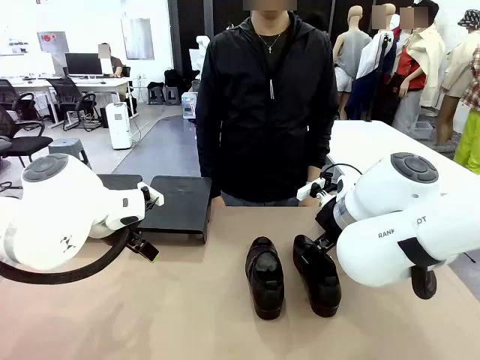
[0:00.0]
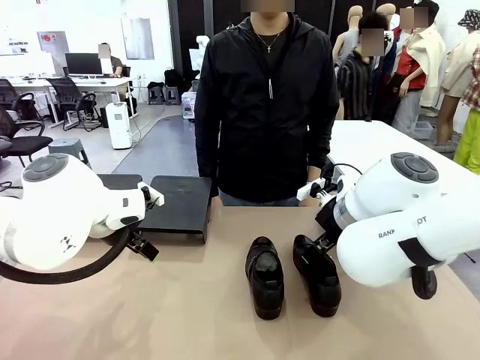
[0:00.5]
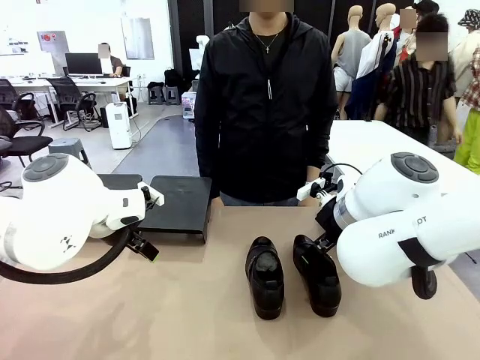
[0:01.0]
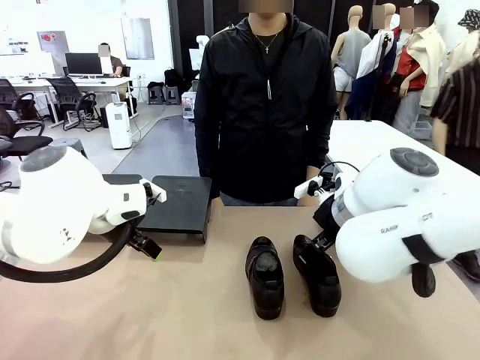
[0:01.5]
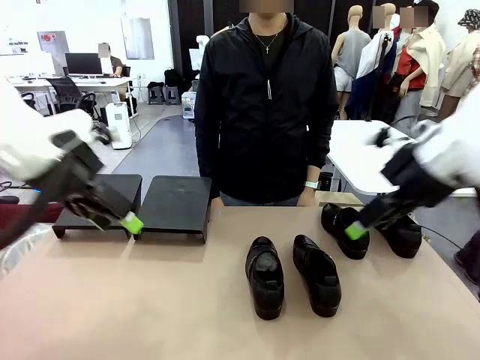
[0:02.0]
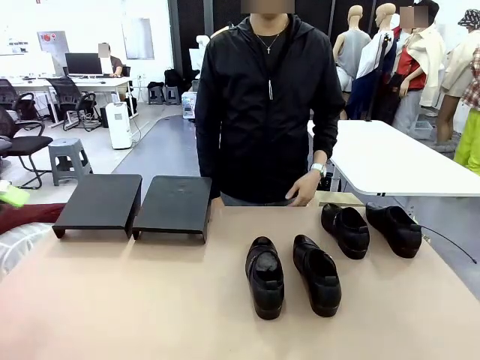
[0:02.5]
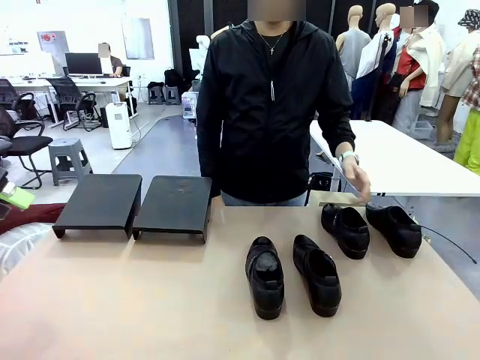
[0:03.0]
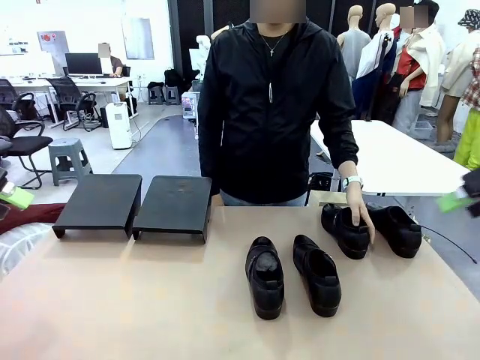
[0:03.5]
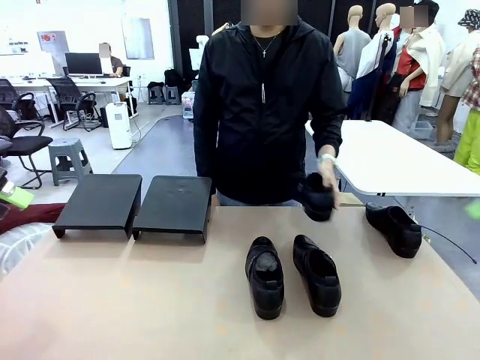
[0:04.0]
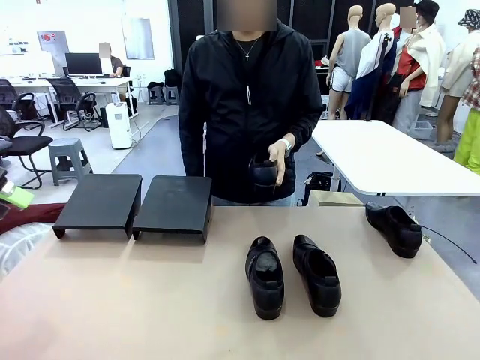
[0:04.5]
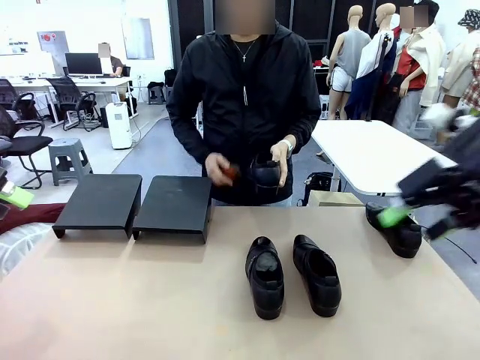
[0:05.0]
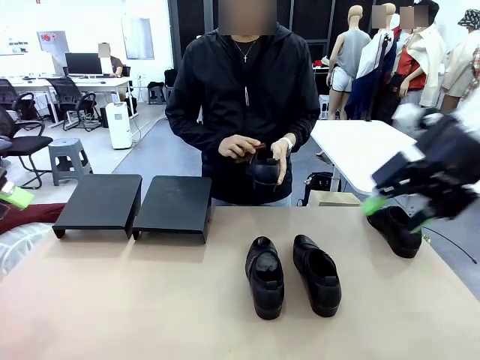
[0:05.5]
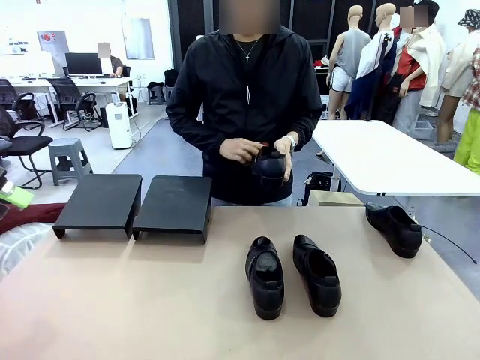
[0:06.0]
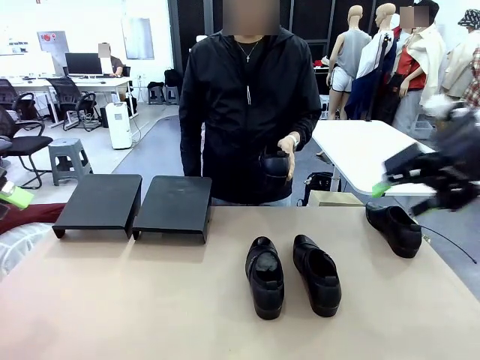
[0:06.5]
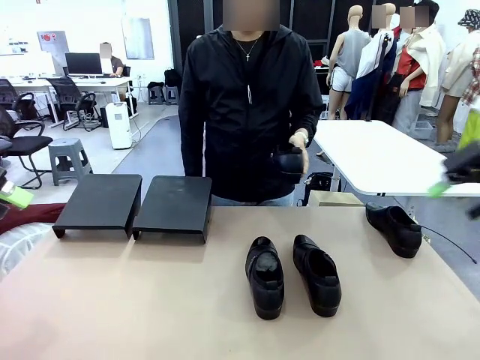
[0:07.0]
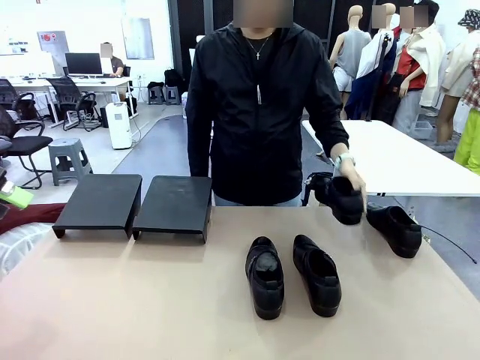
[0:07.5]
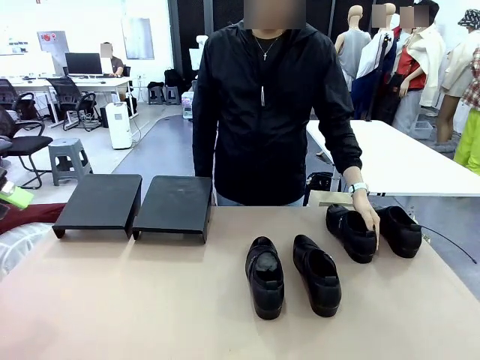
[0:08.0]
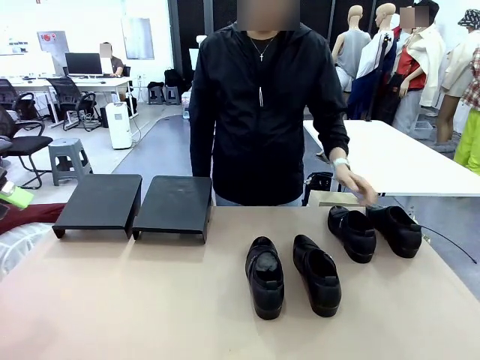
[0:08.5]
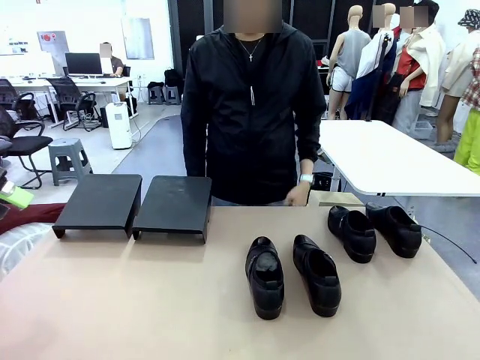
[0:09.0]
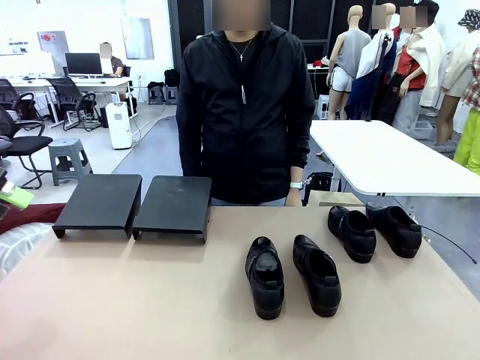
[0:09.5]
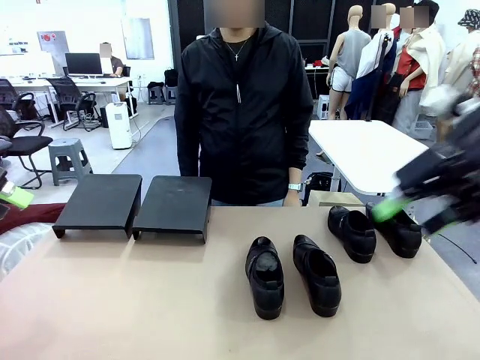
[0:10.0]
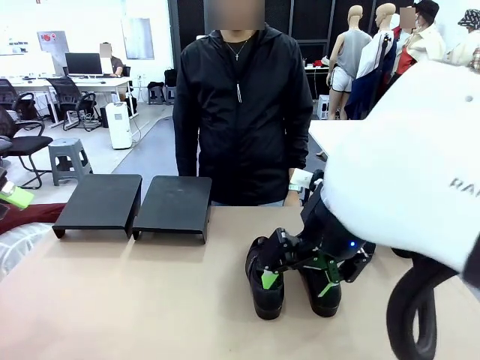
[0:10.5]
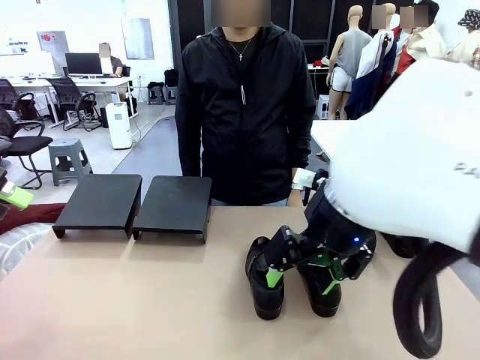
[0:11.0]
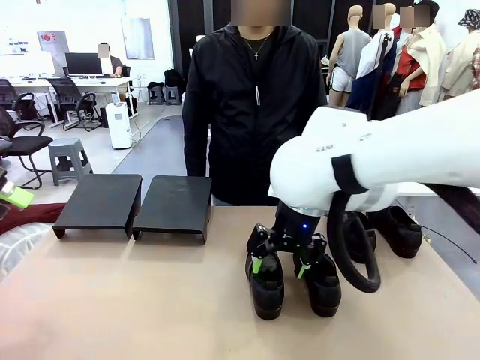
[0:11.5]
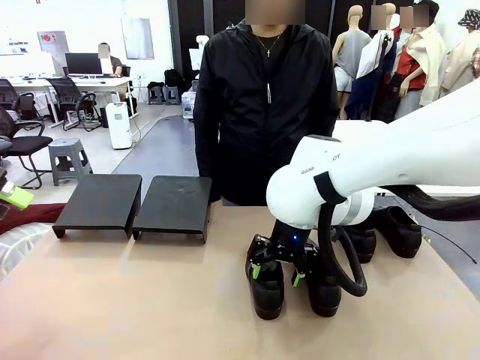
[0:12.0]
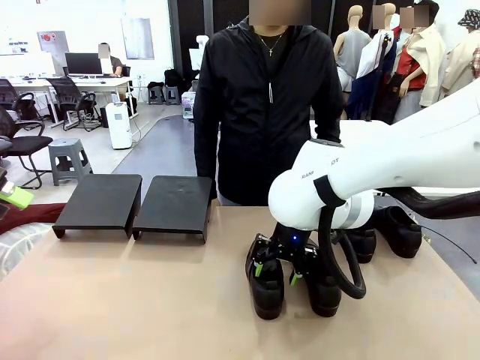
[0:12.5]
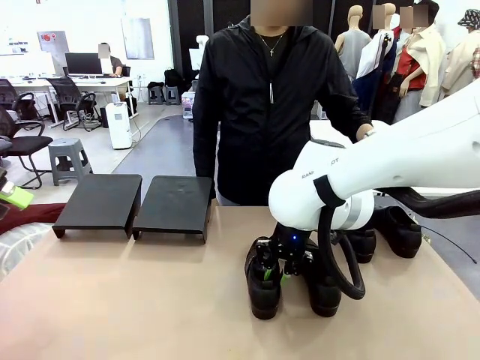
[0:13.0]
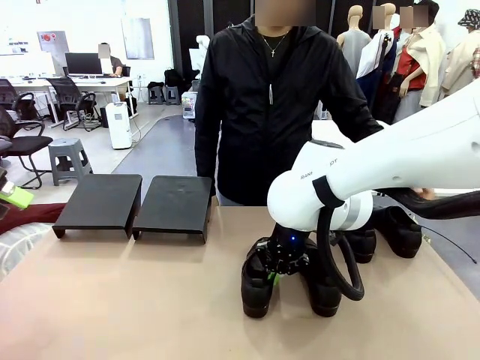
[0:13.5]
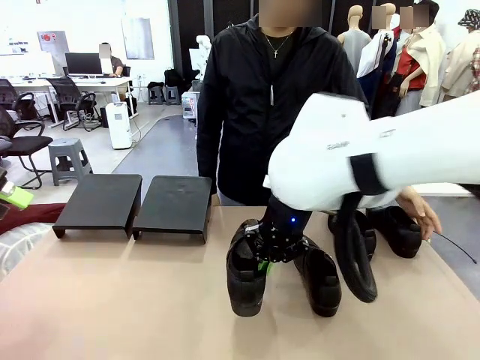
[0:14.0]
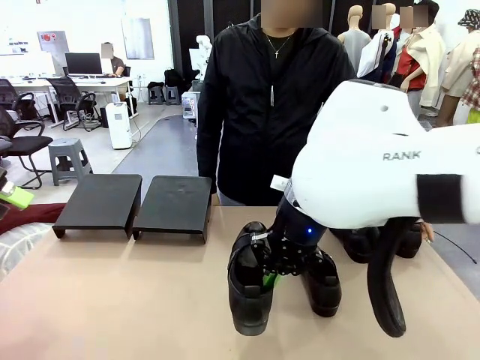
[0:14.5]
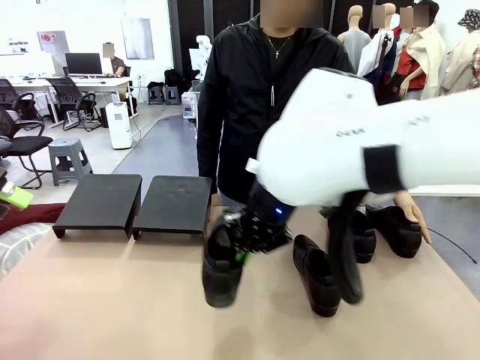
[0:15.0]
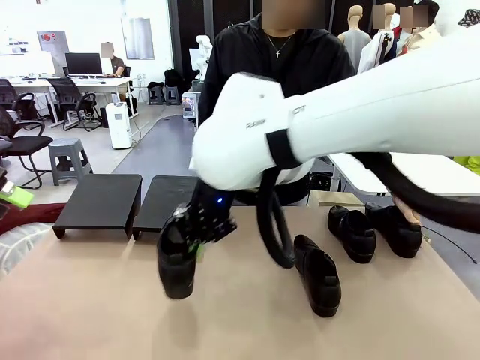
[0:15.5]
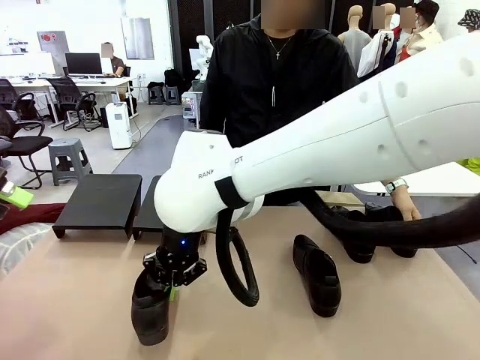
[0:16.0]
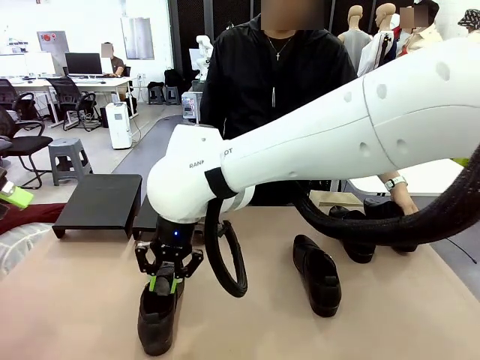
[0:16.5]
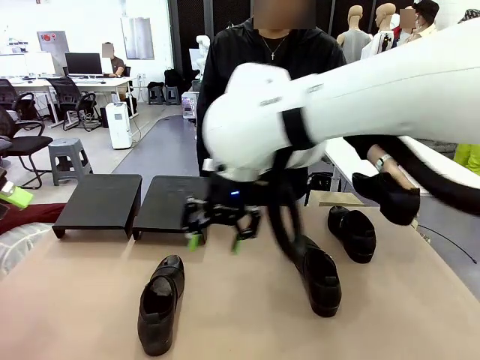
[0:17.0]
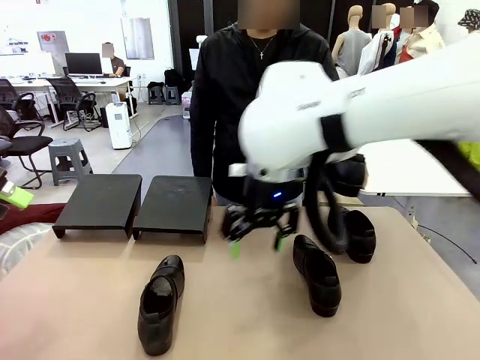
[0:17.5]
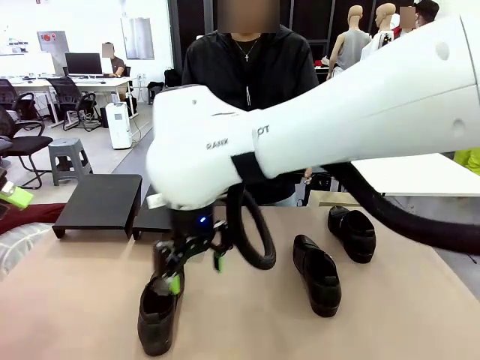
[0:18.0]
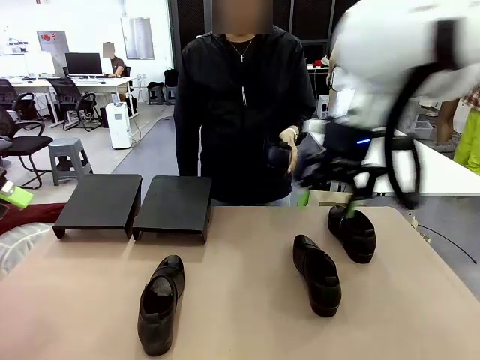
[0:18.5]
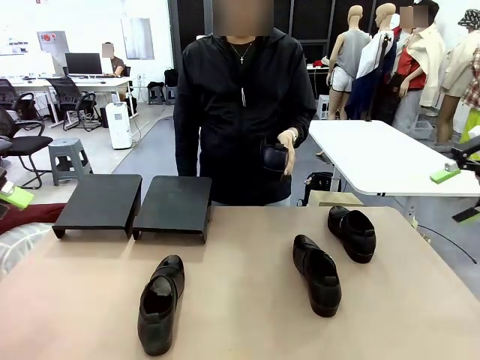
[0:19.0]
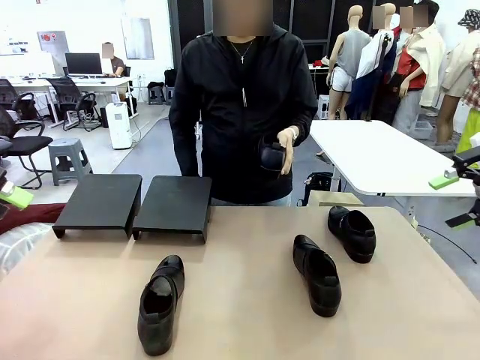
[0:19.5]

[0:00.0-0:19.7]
Task: Organize the shoes by placing them on the stand.
Robot: Pick up one Shoe and place it in the middle of the table.
Person: Pick one Shoe on Robot's table. Clean the Shoe with the Shoe Brush. Place the Shoe on left side of the Robot's table. Pick one Shoe on Robot's table.

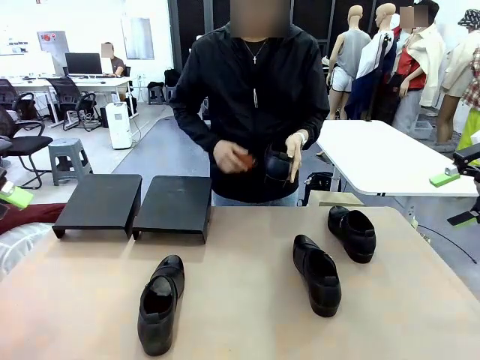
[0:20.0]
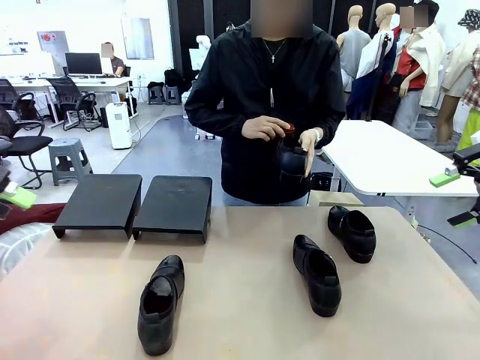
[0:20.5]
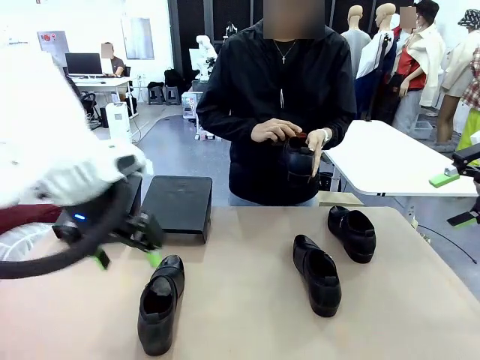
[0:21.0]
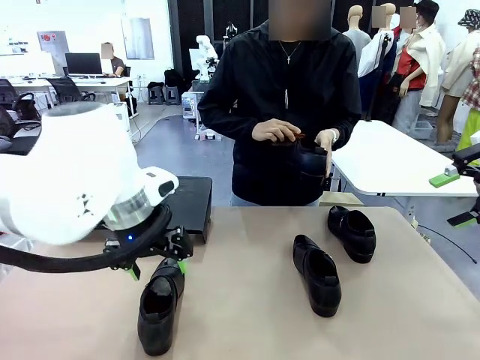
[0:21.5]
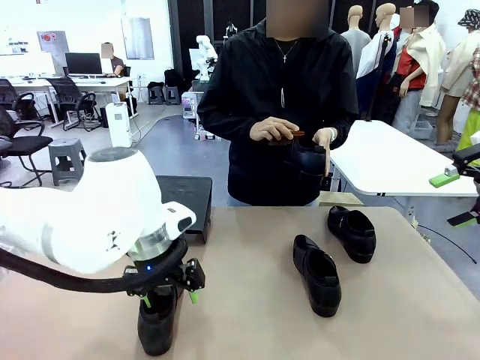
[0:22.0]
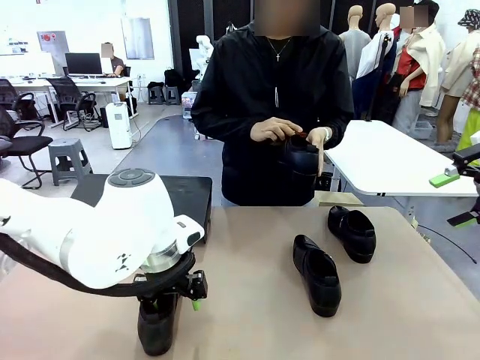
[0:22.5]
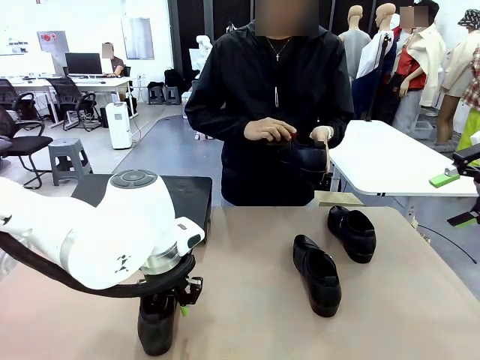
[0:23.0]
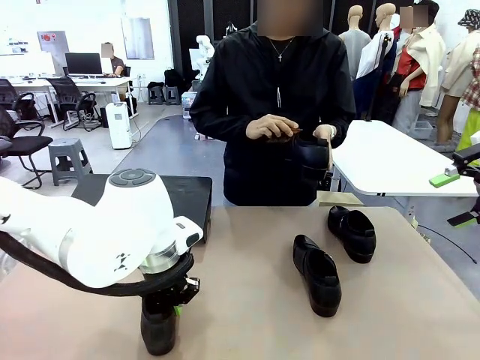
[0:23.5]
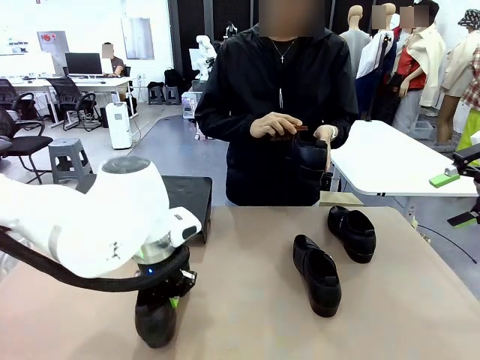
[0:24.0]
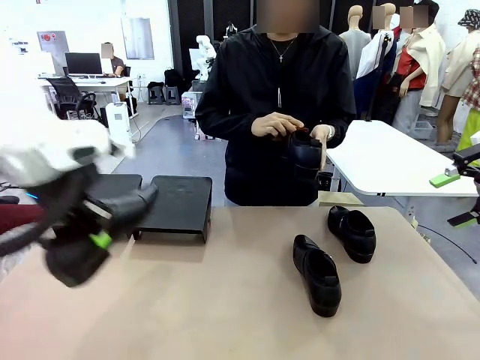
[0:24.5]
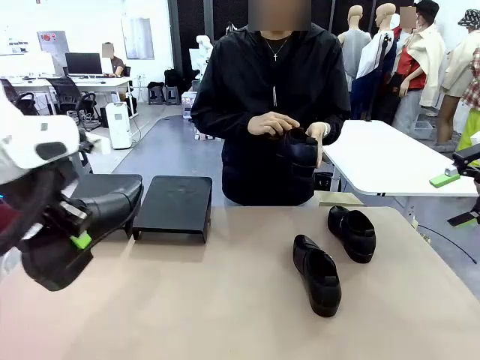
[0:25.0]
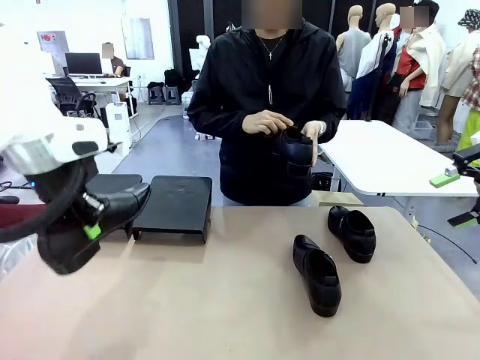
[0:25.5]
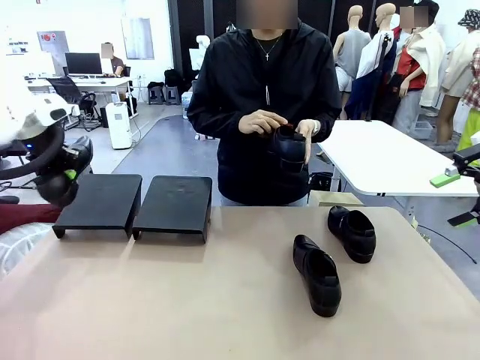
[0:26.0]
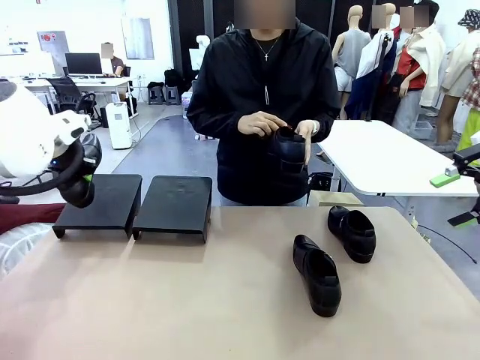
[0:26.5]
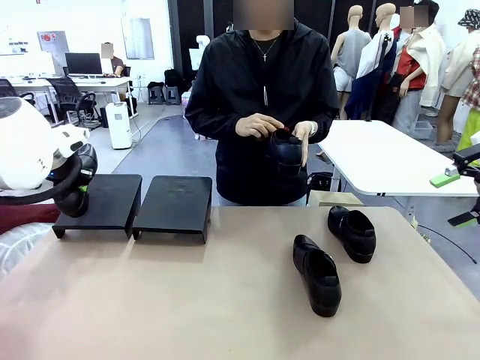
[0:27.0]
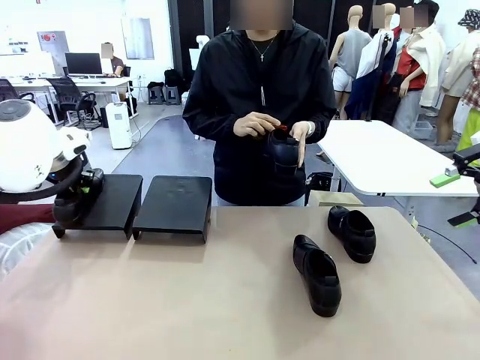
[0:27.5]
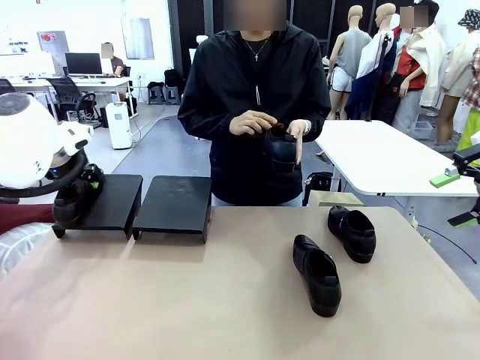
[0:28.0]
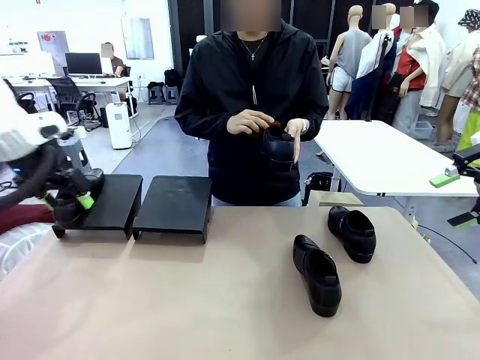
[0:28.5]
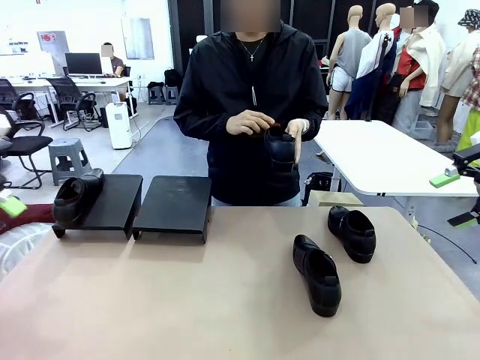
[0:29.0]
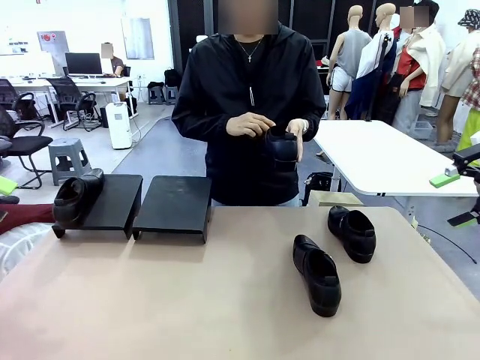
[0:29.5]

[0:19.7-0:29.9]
Robot: Place the Shoe from the middle of the table onto the Shoes Stand.
Person: Clean the Shoe with the Shoe Brush.
